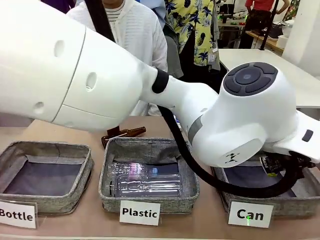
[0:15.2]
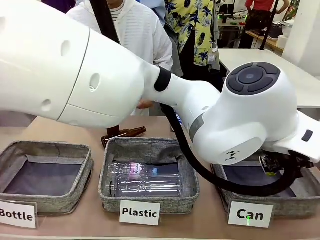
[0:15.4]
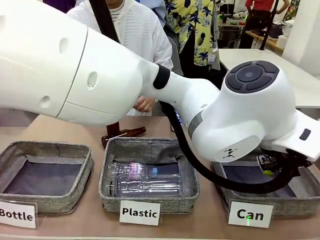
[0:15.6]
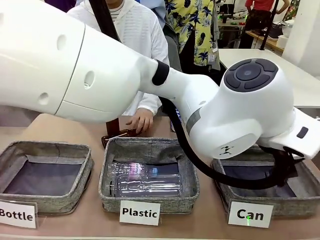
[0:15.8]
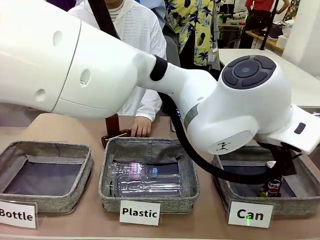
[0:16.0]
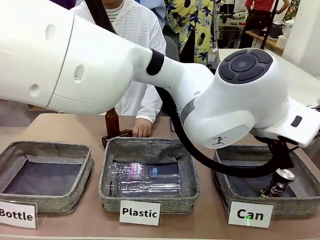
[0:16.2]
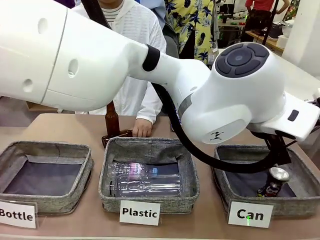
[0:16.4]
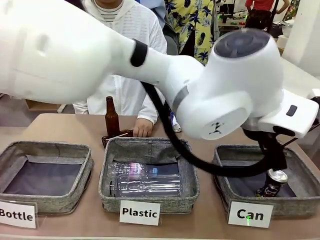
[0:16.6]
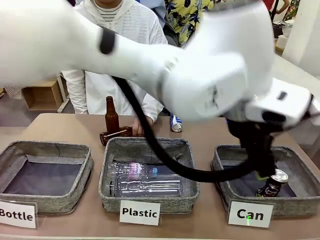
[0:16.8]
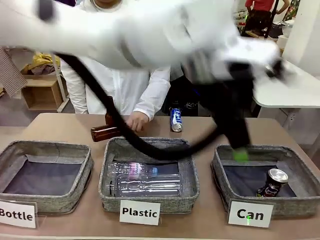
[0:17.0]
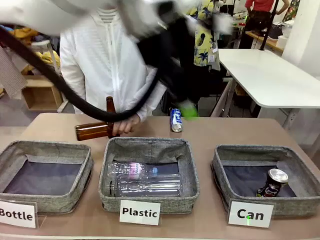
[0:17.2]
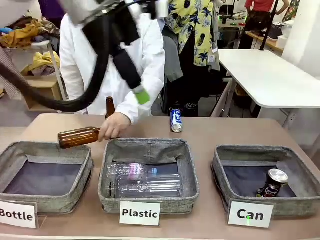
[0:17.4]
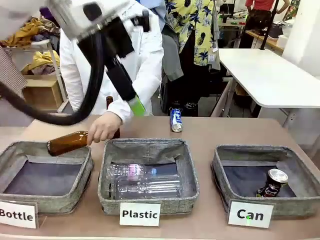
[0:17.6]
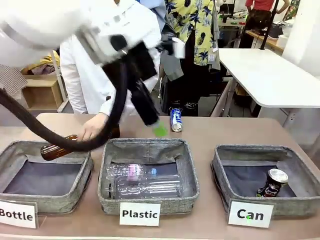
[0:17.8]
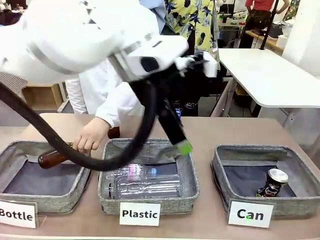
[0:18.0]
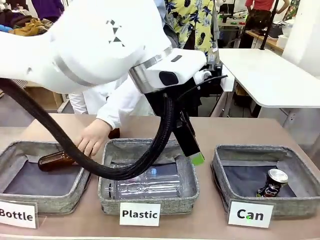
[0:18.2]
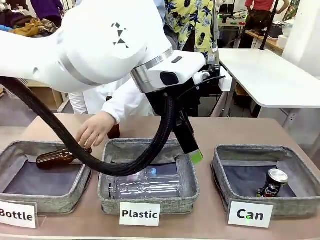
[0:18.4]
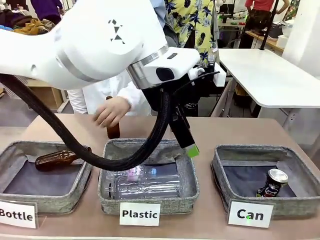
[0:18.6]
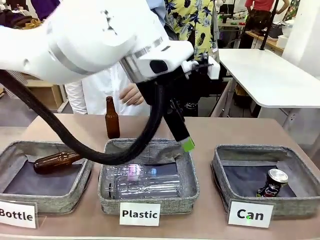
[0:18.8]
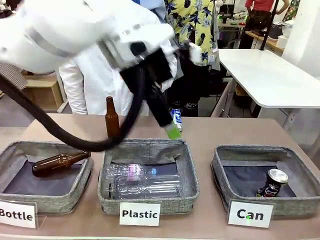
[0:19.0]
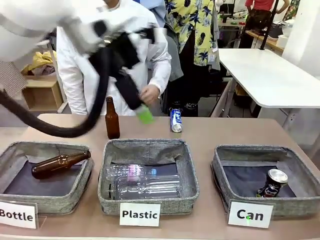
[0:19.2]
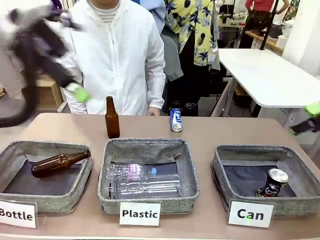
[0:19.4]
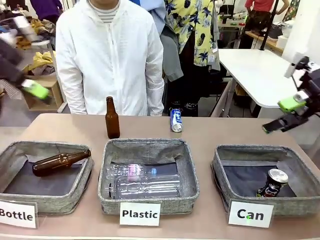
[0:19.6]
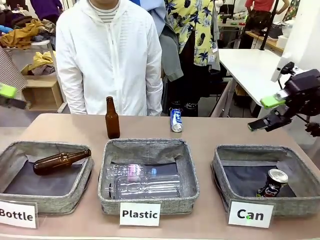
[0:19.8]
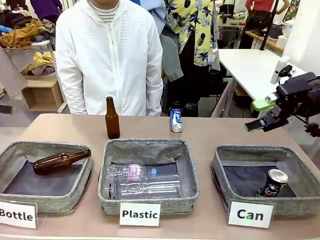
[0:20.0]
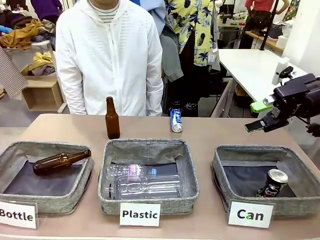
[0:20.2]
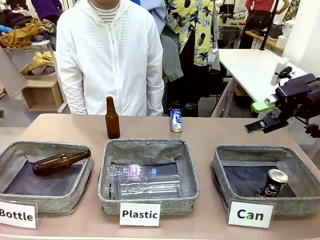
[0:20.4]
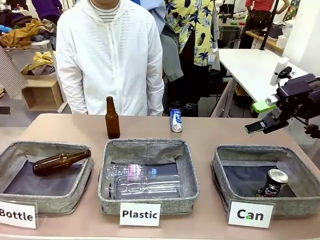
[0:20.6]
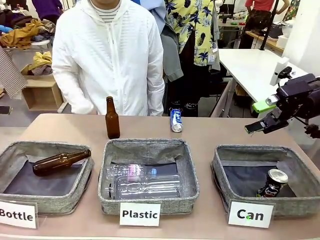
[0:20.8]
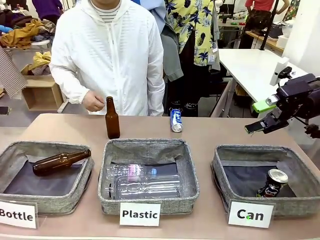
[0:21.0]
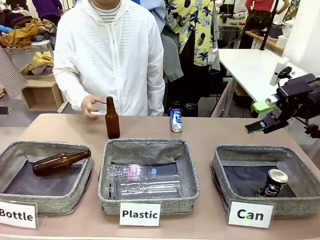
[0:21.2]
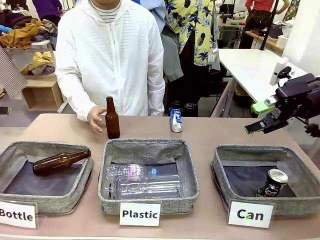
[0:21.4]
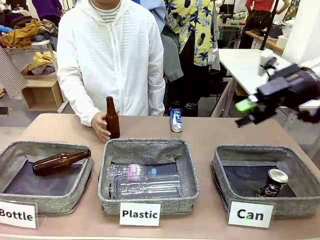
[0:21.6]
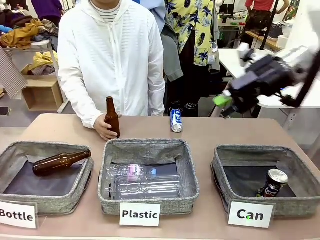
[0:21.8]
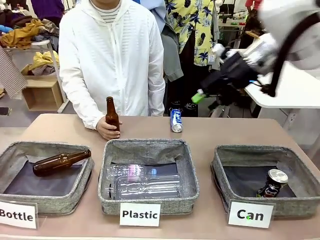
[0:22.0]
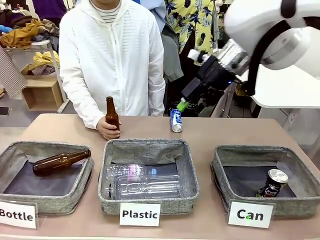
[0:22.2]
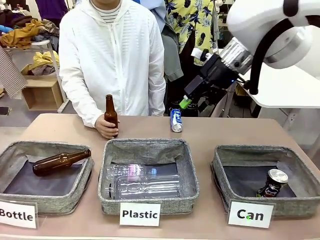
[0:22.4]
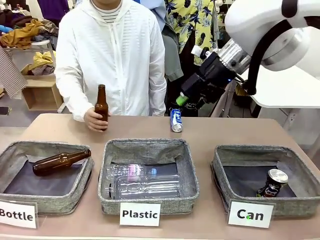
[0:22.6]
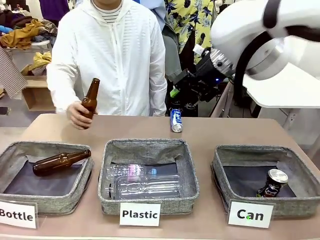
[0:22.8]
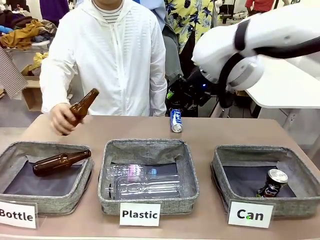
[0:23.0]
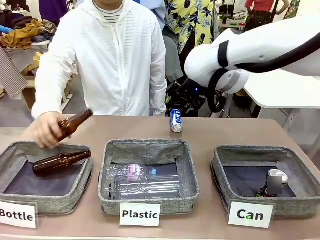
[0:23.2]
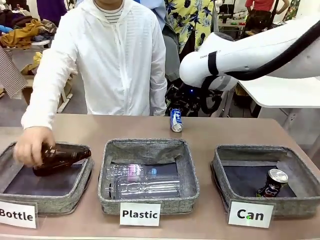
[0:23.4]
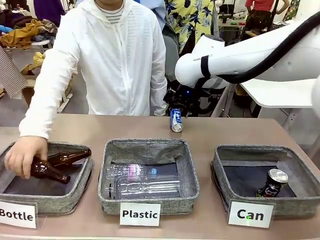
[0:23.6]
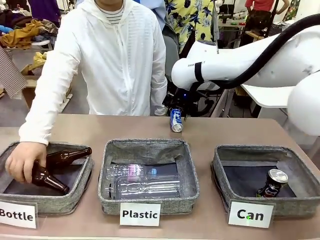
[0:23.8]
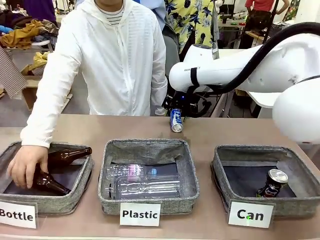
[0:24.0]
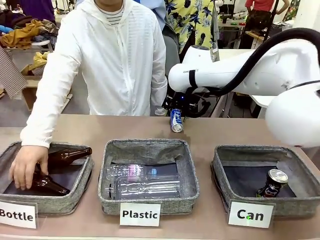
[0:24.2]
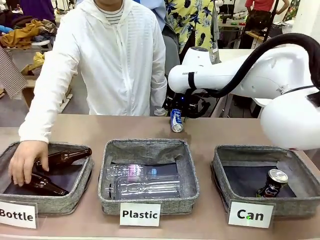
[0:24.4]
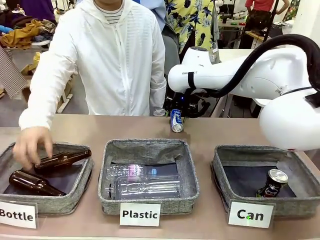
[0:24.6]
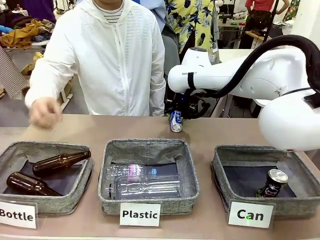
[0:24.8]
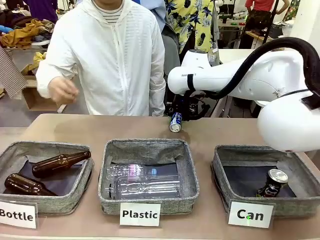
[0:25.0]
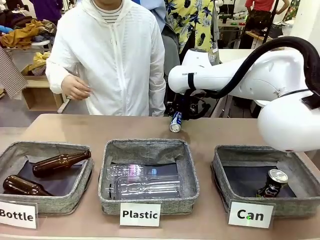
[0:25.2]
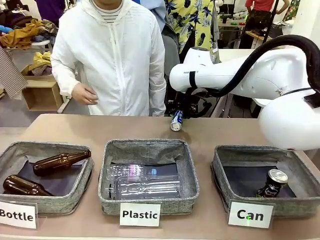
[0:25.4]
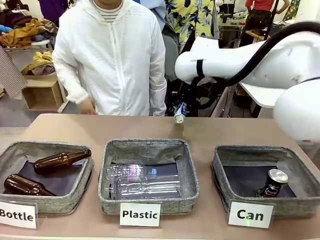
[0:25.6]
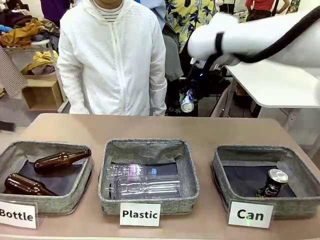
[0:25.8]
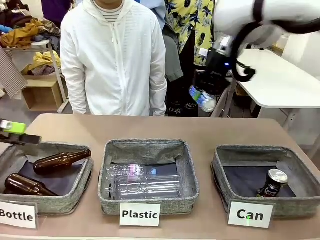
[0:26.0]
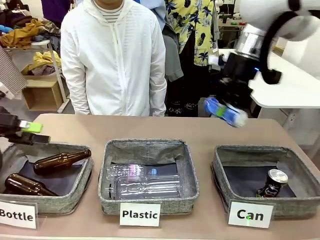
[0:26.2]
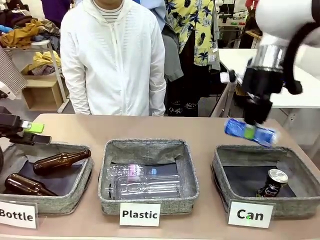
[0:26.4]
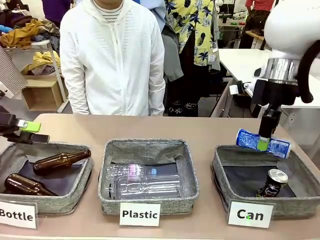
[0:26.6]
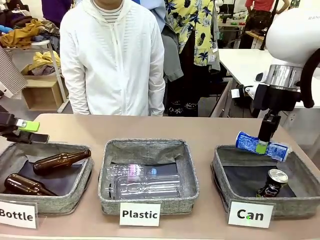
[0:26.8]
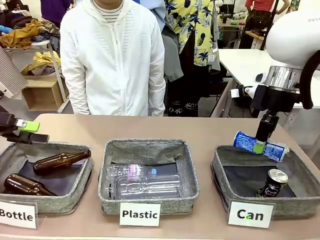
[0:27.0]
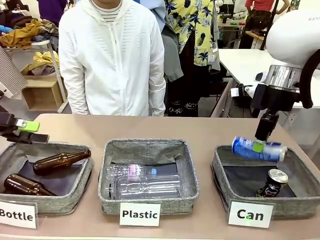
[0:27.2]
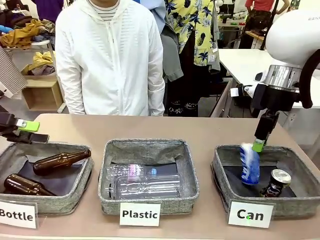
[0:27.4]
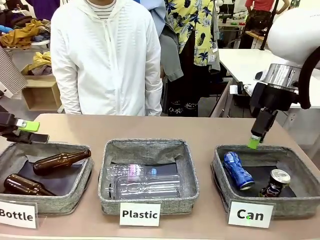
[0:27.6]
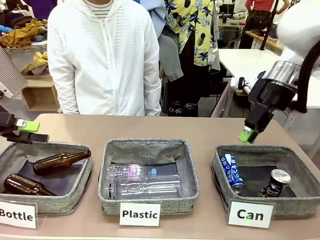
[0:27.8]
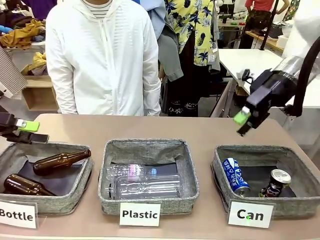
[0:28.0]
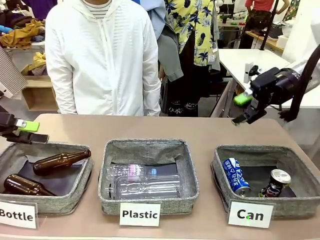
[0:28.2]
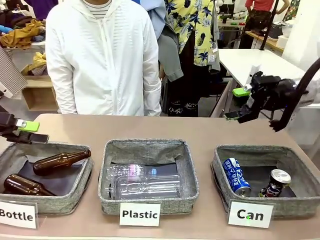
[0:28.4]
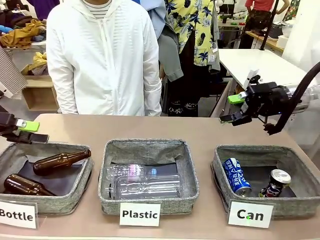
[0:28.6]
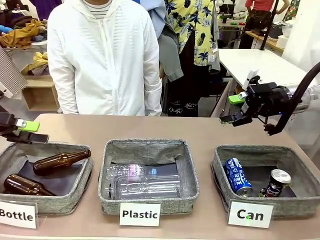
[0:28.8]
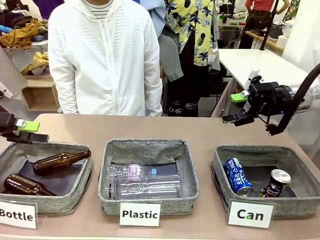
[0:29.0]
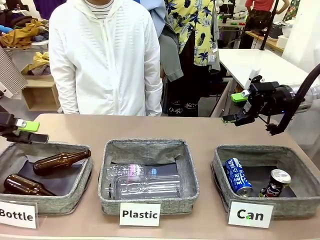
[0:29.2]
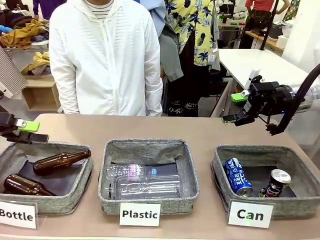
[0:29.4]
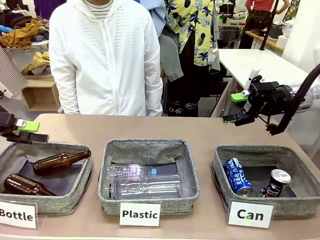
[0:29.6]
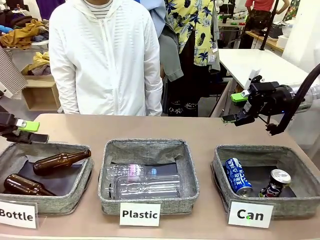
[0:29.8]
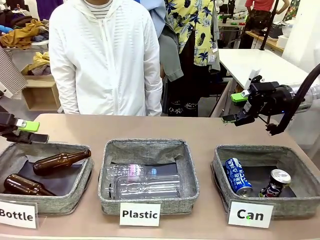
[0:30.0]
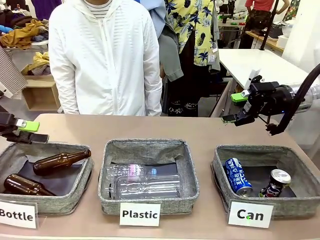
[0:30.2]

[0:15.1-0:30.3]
Task: Sort the can waste into the basket.
Robot: Pick up the can waste from the table and place it in the right Fabric basket.
Person: The human picks up one piece of trash that is not a can and places the trash into the appropriate organizing basket.

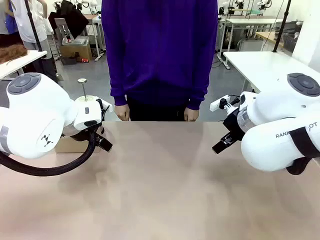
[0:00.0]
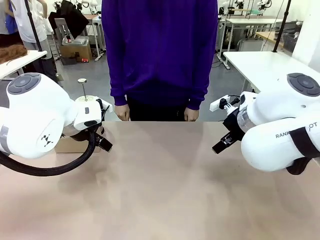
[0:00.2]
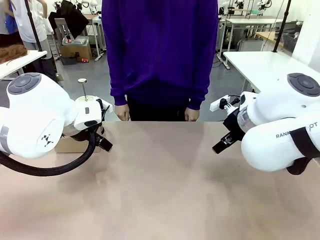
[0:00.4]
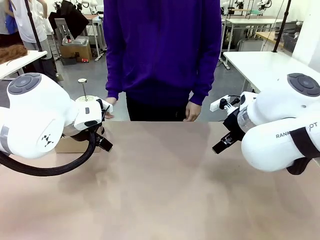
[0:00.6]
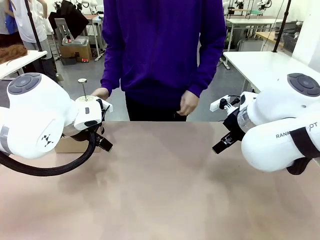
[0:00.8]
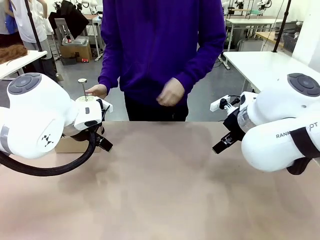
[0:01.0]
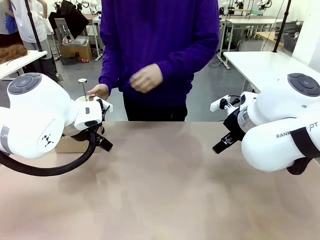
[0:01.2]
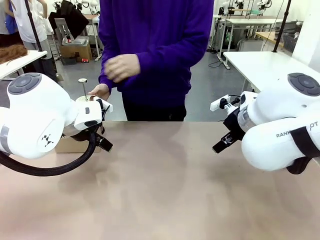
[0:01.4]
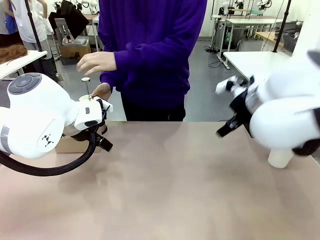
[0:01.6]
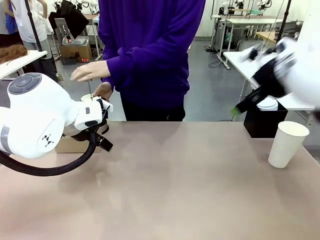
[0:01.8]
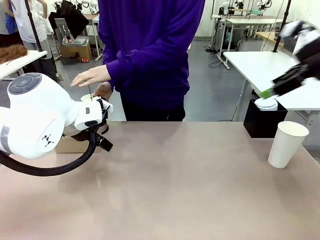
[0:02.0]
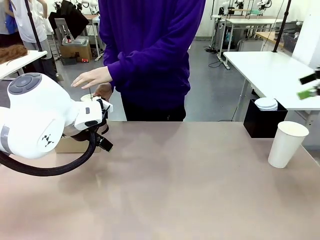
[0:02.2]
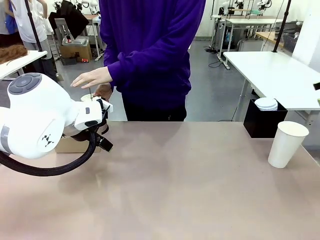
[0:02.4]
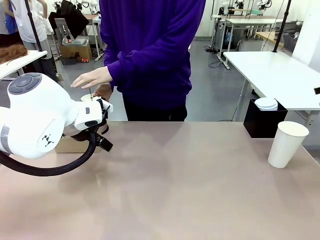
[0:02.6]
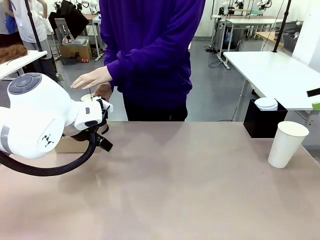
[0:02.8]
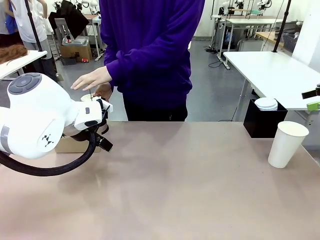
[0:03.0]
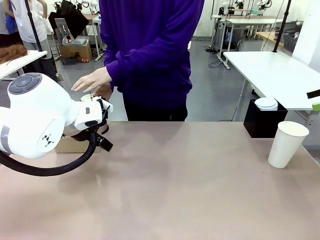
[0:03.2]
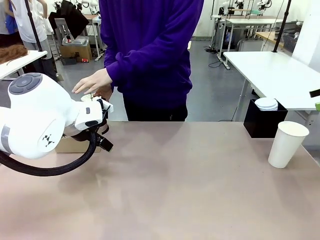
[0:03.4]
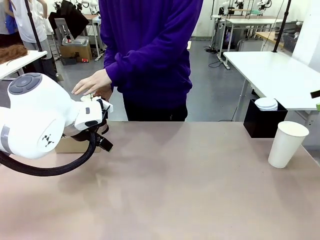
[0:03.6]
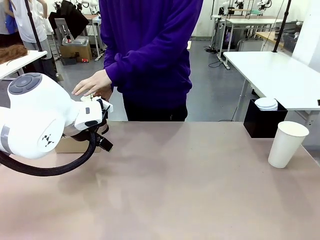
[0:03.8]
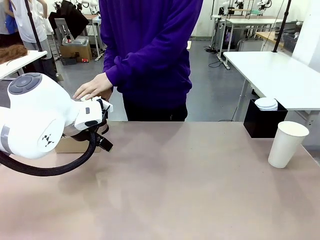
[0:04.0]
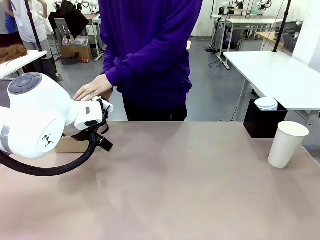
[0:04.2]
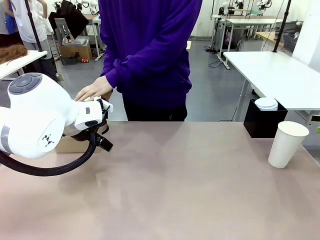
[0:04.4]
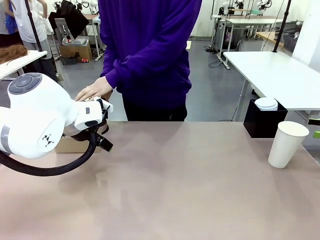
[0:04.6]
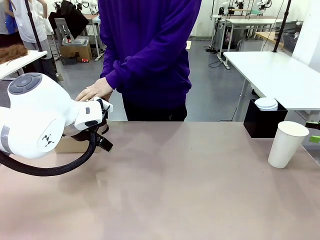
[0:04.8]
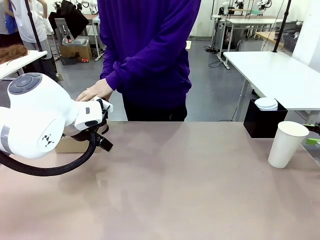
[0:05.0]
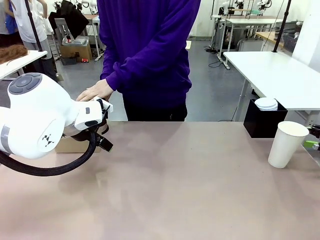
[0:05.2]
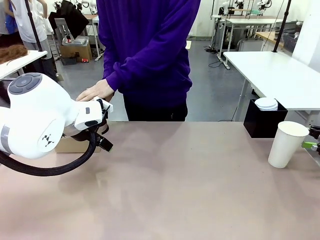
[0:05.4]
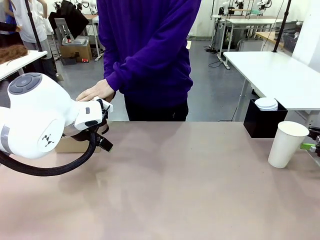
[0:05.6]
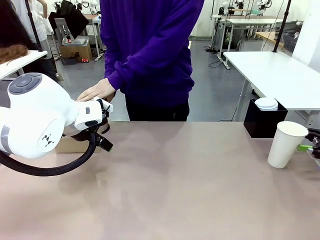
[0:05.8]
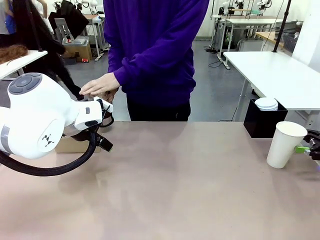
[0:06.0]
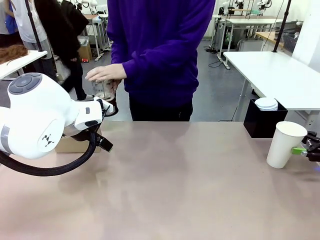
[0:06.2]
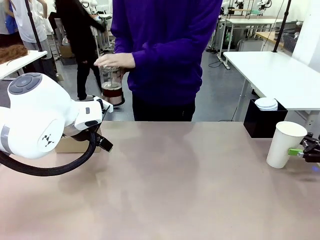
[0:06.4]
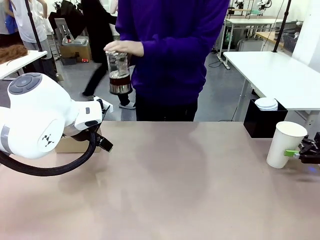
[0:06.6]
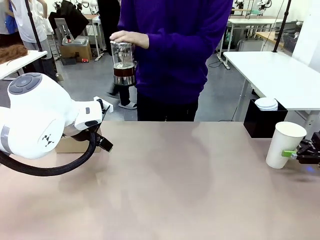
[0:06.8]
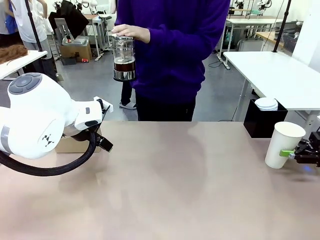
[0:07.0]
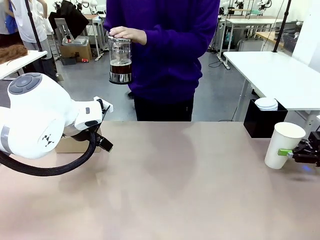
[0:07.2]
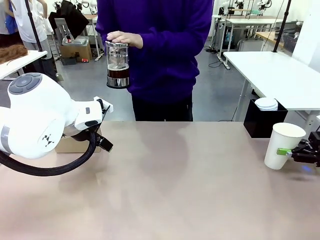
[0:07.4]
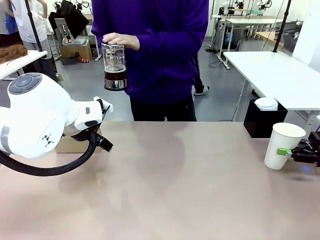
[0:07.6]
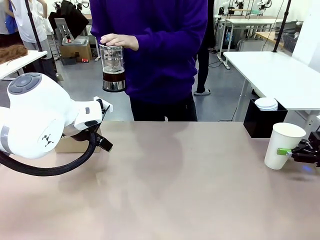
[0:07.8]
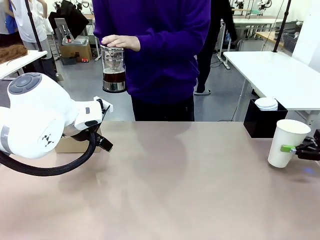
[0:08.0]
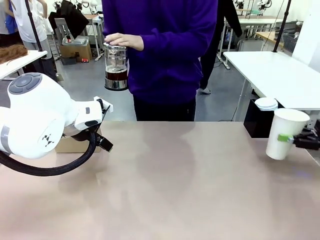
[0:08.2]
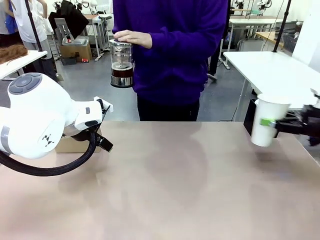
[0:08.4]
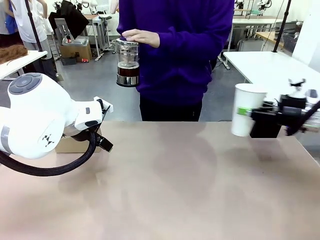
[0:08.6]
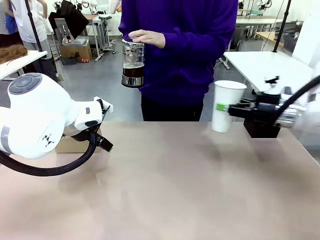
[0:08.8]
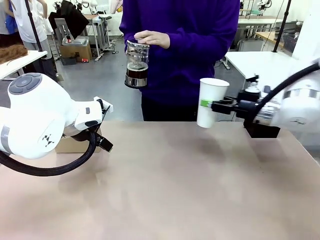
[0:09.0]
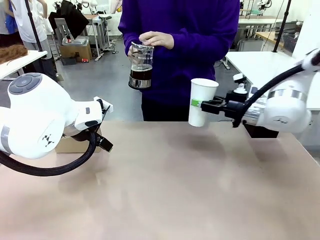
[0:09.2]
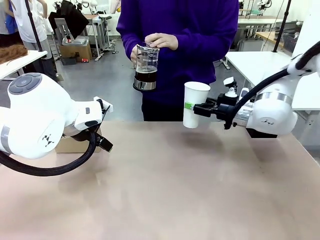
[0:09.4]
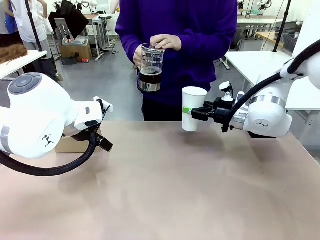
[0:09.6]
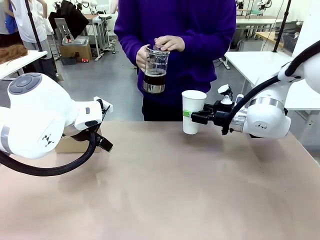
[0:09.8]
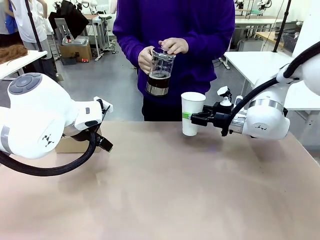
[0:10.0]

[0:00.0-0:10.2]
Task: Pour a drink into a cup and package it in a carrier.
Robot: Pick up the 600 ml Paper Cup and place it in the middle top area of the table.
Person: Press and pick up the Filter Brewing.
